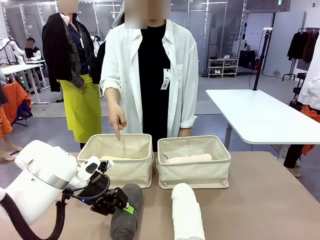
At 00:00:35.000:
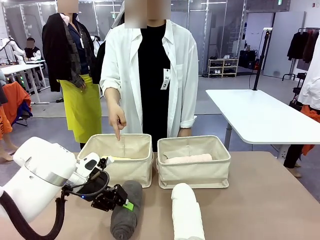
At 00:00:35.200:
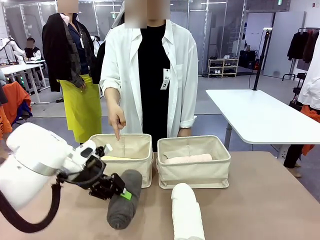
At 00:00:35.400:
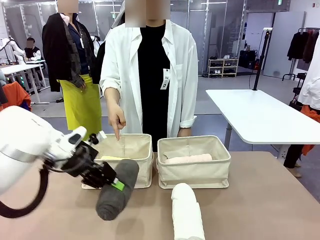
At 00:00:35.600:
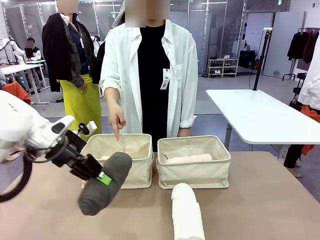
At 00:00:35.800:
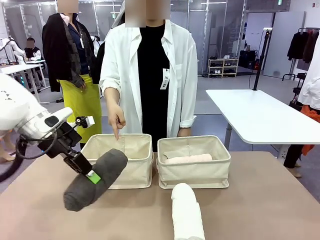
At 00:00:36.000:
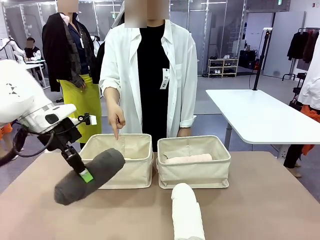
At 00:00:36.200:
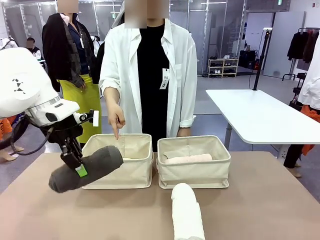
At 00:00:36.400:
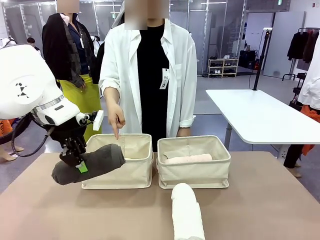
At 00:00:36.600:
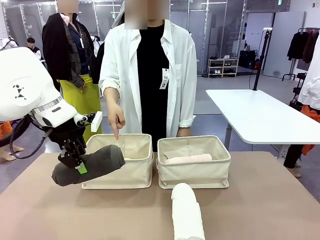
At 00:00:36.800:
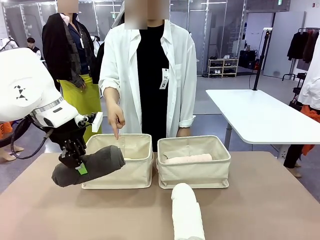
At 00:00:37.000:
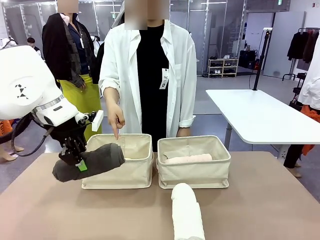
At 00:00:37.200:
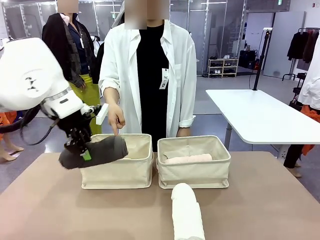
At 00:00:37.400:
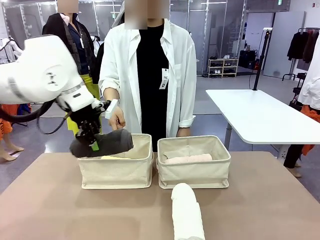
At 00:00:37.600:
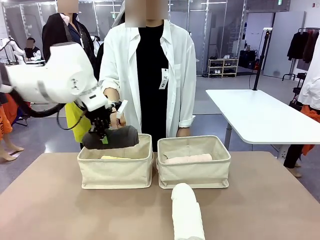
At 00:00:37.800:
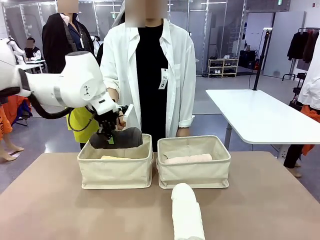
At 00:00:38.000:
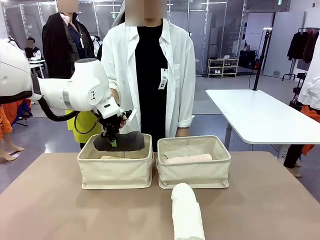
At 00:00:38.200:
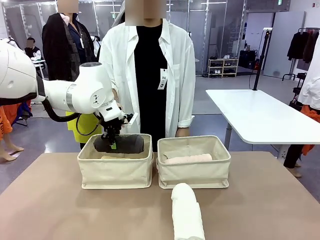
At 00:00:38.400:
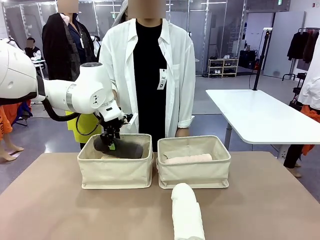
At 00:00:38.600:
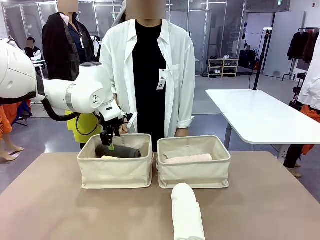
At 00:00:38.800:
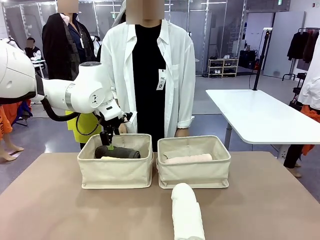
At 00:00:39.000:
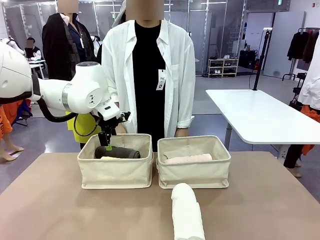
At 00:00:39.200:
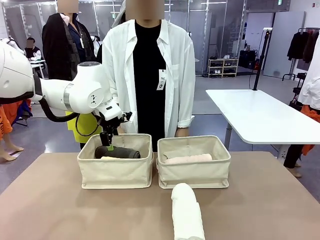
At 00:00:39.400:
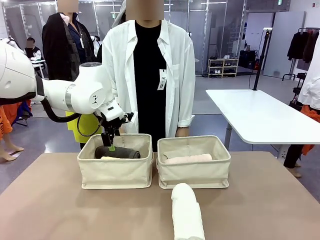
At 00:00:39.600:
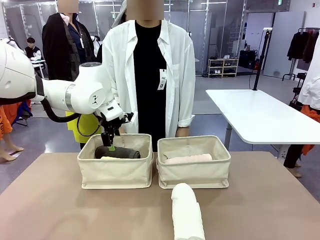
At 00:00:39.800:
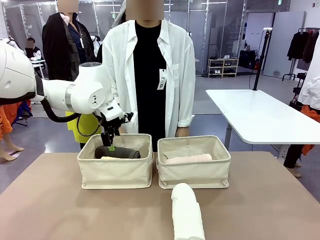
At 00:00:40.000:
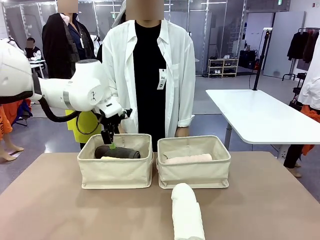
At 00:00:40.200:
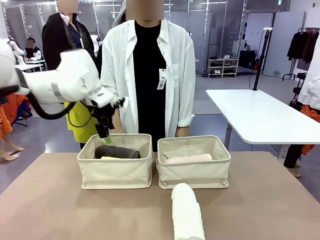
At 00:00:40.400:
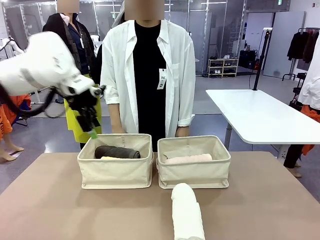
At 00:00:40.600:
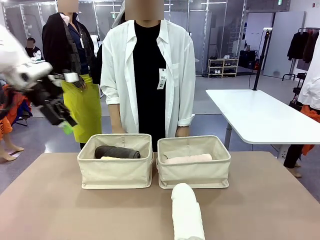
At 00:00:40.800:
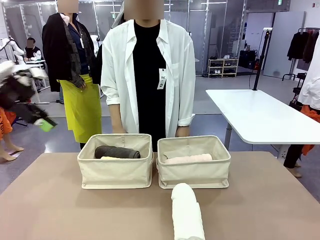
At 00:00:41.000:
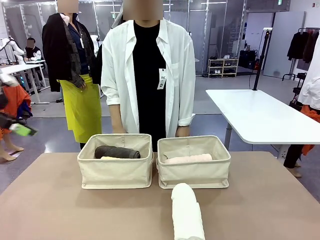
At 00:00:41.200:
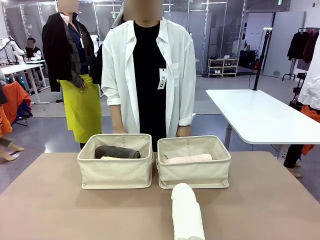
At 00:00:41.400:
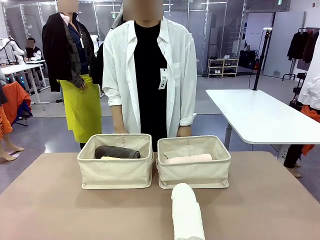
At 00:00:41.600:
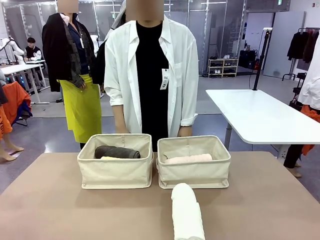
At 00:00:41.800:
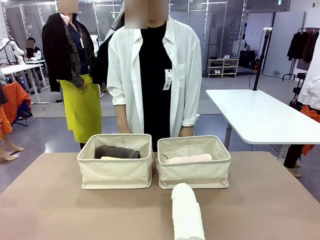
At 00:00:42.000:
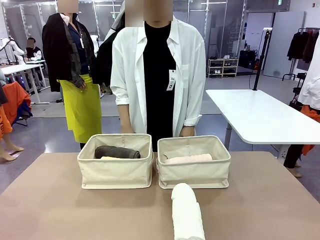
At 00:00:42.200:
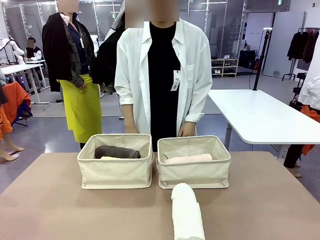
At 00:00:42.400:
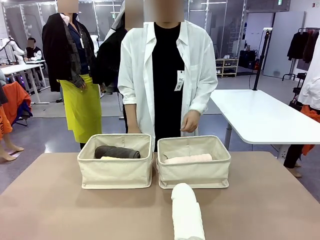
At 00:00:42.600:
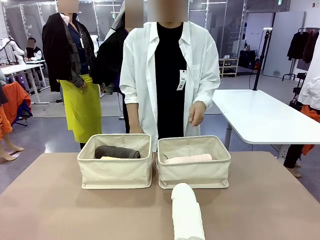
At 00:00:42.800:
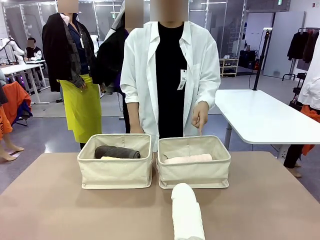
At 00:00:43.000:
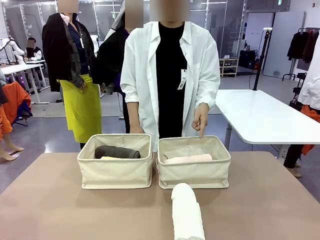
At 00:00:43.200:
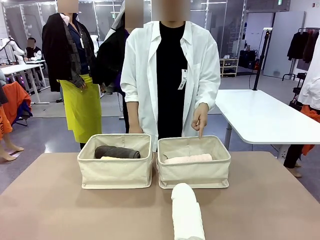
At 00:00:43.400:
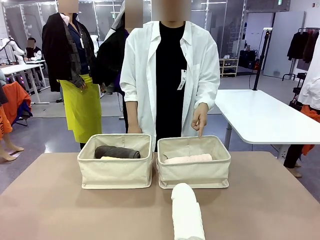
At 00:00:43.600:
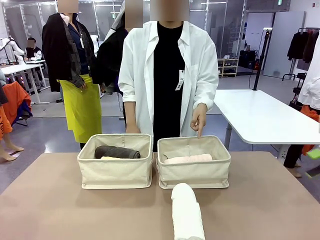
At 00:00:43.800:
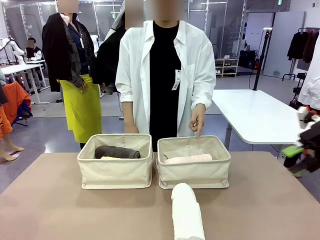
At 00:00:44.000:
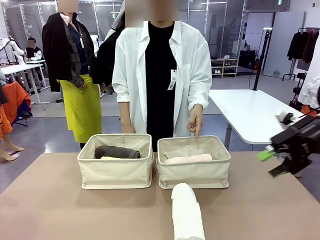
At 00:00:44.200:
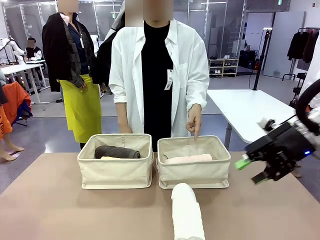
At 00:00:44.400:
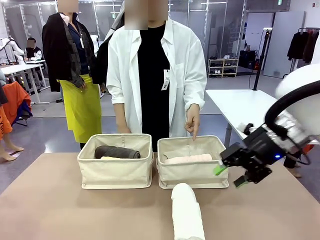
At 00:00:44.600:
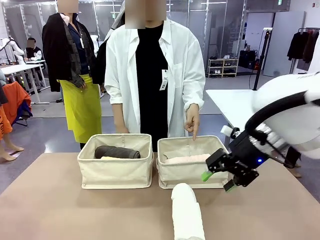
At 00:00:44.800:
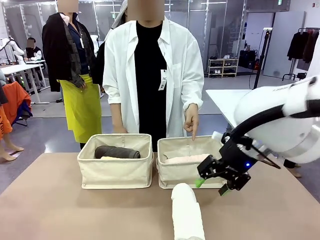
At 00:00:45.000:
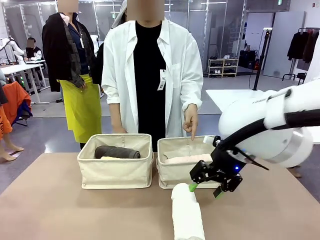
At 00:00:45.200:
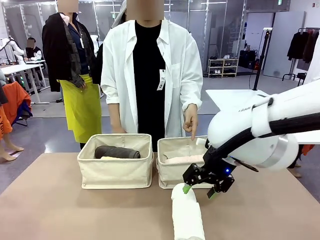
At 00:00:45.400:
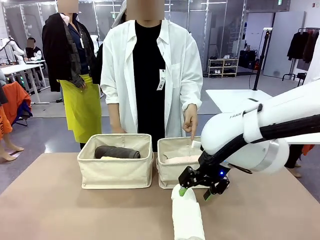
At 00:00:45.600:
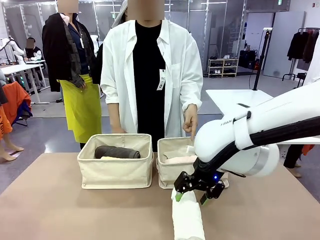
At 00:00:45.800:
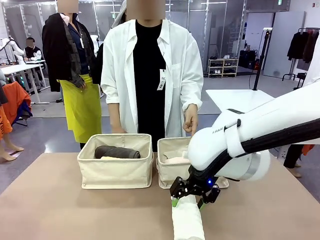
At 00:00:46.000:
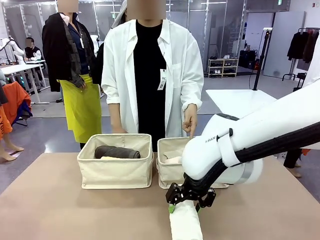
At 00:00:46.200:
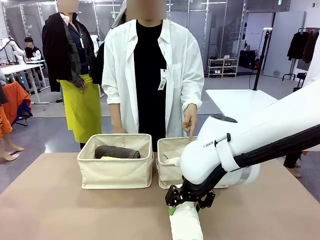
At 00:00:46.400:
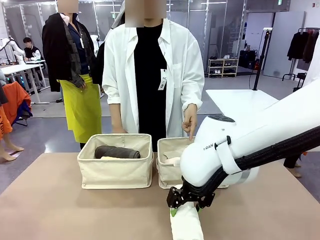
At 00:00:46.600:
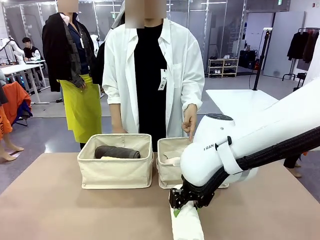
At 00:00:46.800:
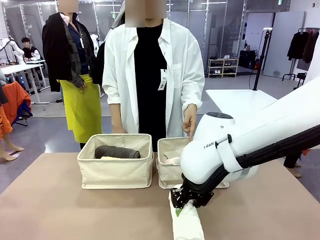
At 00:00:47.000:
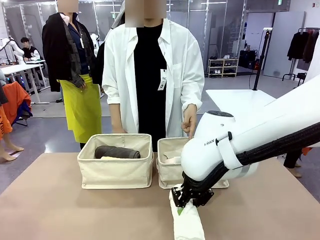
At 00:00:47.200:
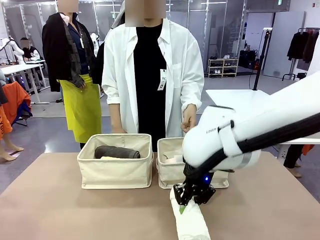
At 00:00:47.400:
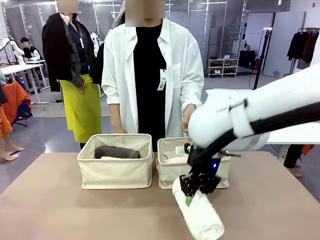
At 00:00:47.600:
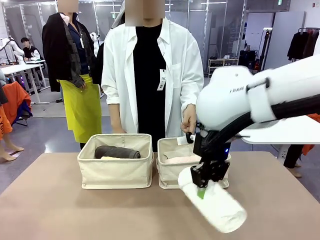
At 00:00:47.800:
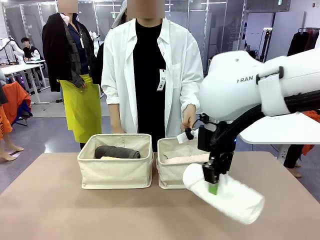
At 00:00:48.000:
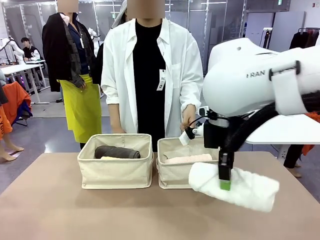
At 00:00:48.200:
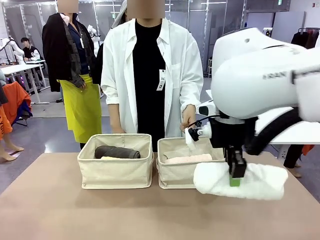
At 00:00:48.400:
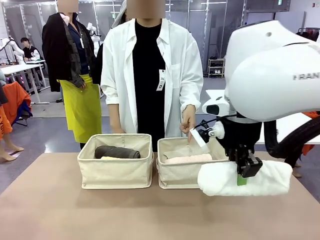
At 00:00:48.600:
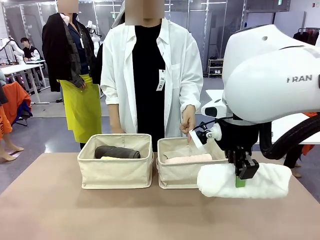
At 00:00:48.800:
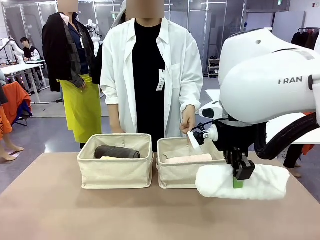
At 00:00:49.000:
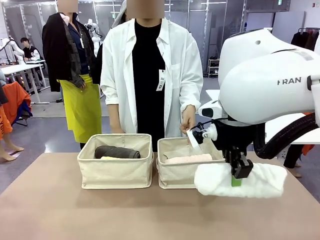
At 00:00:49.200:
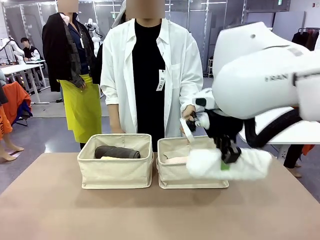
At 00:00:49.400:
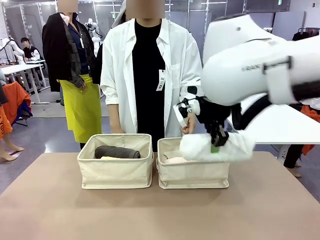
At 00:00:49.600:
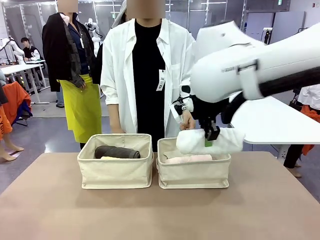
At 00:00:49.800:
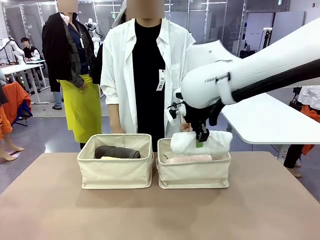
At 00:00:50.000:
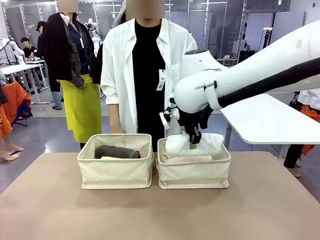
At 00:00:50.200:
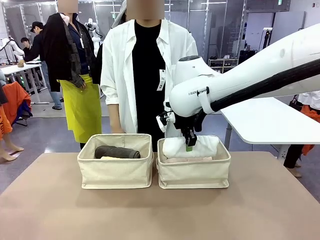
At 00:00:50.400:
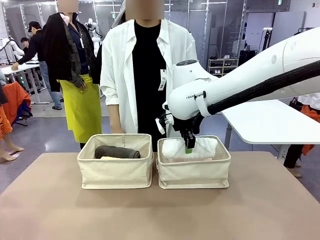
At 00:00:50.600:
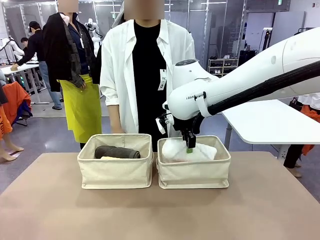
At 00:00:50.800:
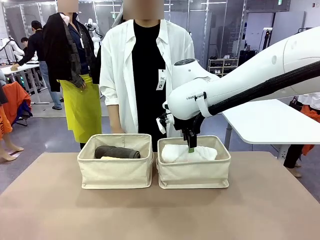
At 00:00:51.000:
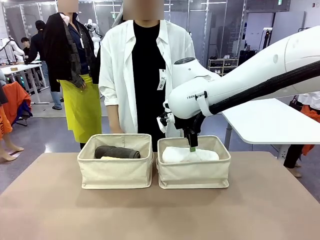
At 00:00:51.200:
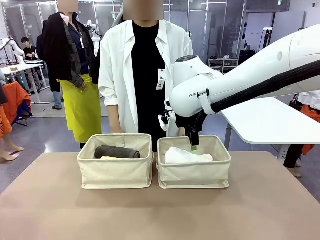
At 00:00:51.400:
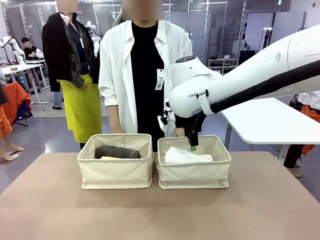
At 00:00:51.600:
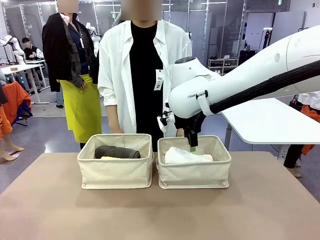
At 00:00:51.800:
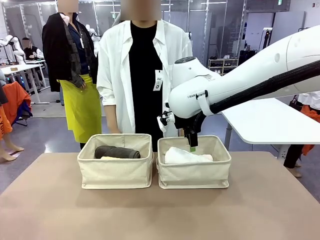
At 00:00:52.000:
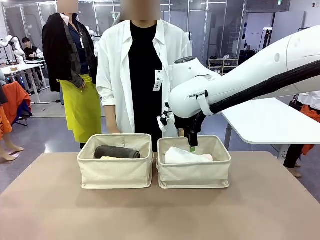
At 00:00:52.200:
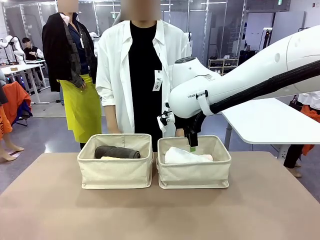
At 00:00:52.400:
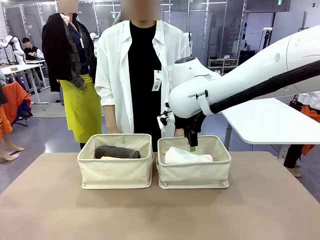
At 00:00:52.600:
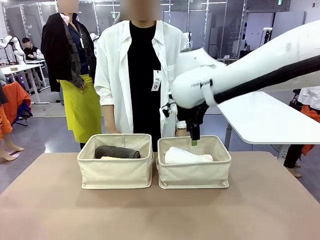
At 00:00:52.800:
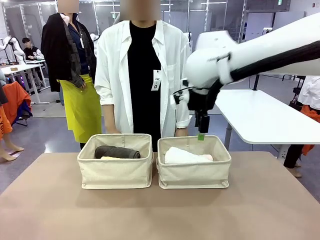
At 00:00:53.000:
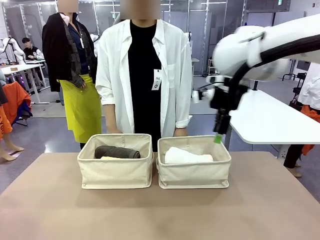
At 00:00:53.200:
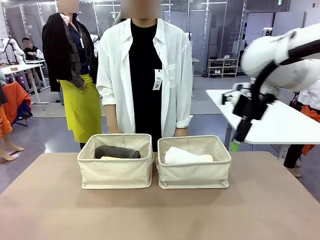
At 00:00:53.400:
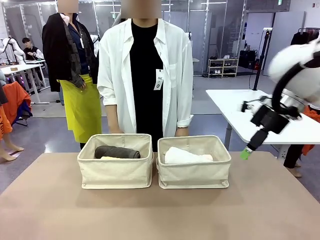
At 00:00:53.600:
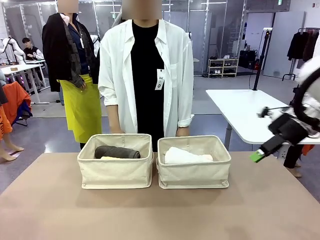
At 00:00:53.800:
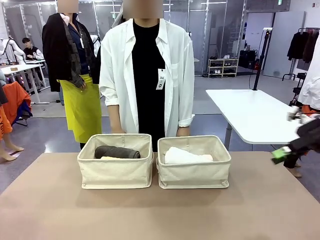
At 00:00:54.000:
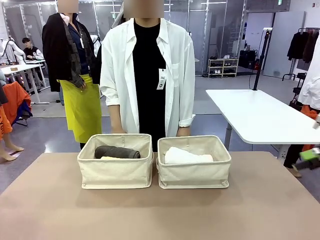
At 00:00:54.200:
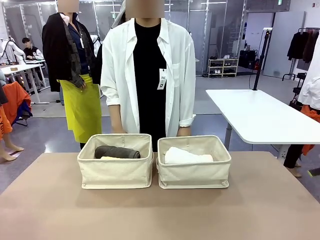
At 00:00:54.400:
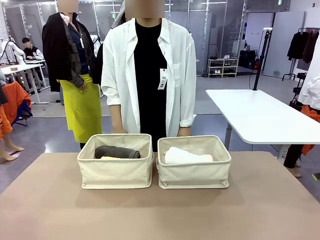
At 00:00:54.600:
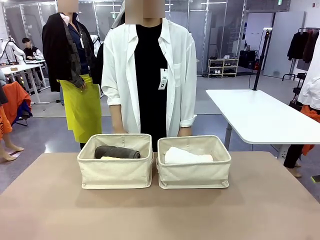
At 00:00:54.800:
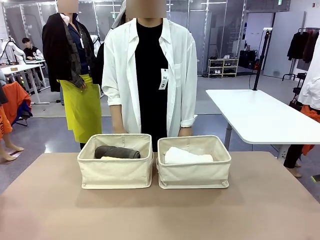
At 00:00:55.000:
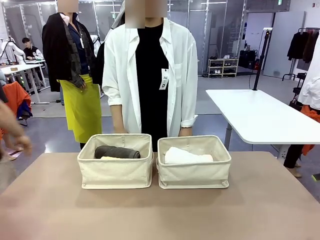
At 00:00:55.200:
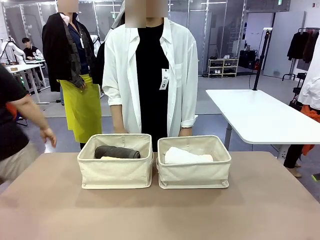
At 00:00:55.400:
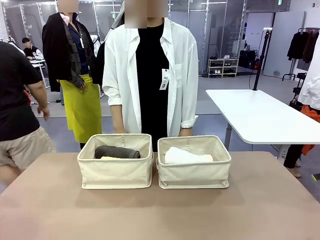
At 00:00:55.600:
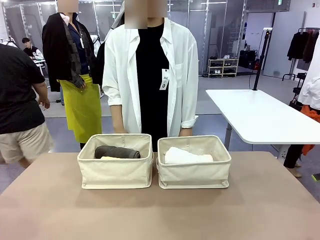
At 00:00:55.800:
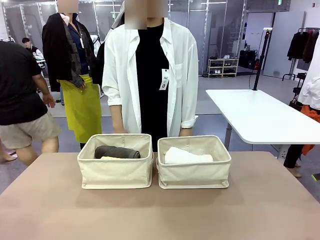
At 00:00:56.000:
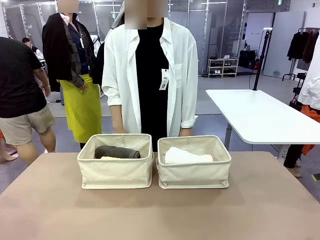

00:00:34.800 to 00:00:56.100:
Task: Divide the towels into two baskets.
Robot: Pick up one hotel-folded towel from the bottom of the table and place it in the Fabric basket indicated by the person.
